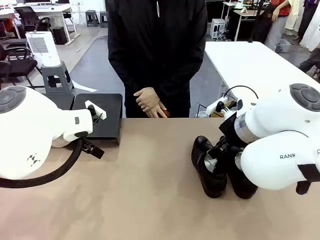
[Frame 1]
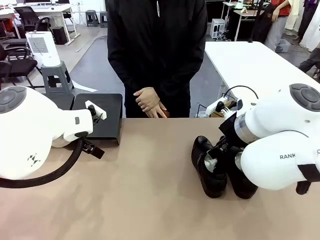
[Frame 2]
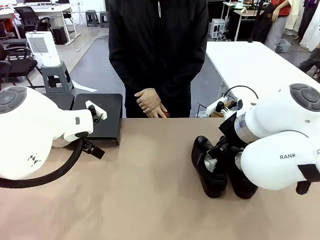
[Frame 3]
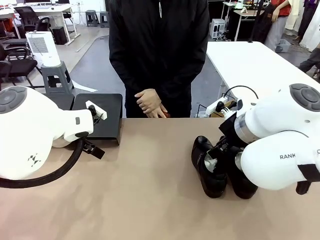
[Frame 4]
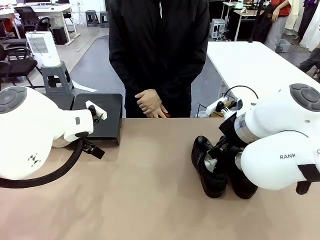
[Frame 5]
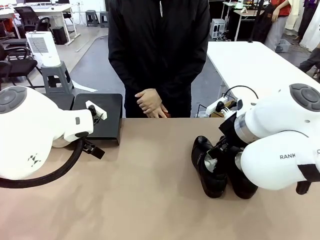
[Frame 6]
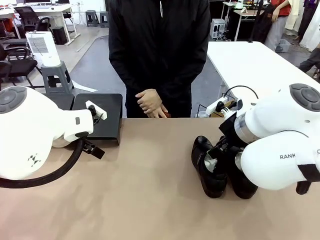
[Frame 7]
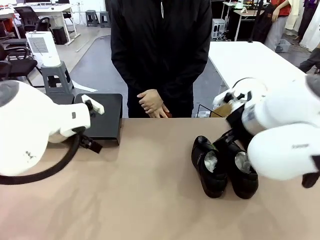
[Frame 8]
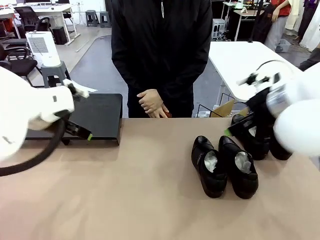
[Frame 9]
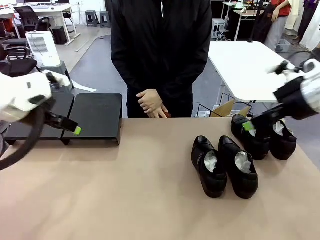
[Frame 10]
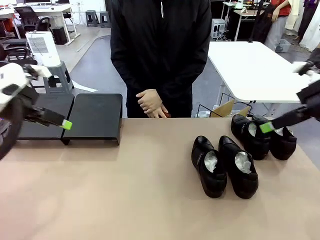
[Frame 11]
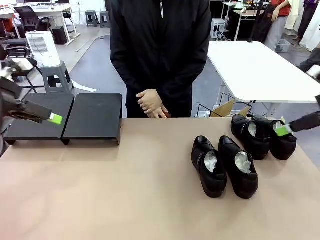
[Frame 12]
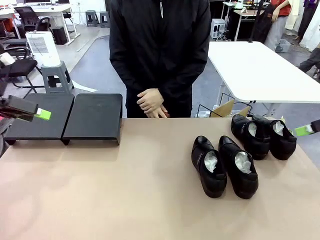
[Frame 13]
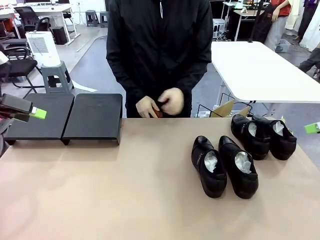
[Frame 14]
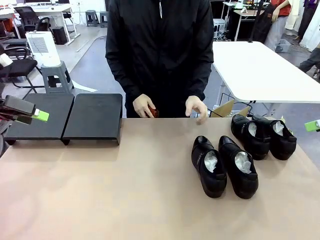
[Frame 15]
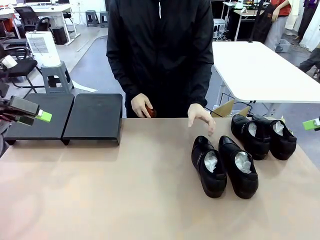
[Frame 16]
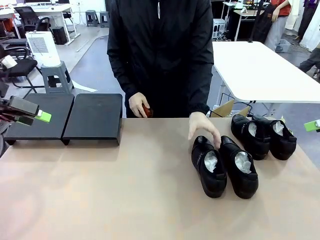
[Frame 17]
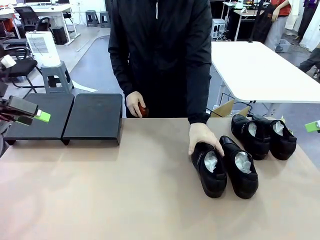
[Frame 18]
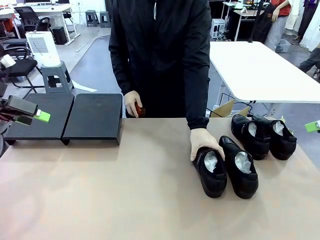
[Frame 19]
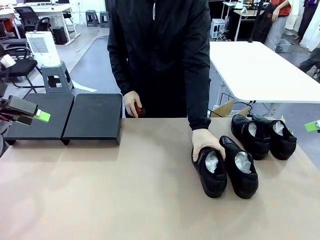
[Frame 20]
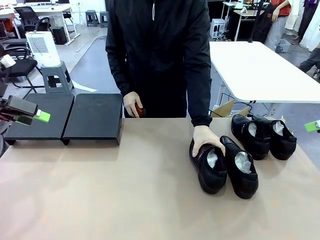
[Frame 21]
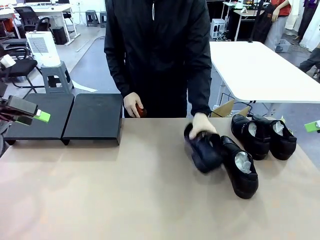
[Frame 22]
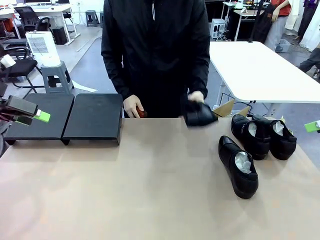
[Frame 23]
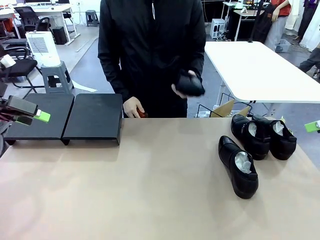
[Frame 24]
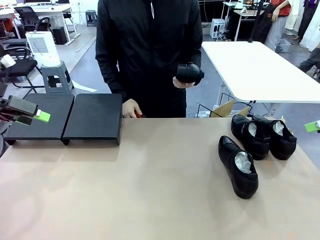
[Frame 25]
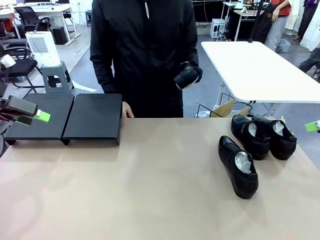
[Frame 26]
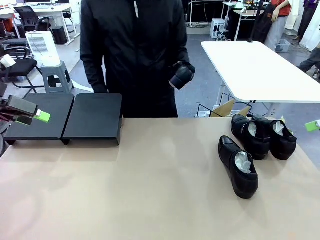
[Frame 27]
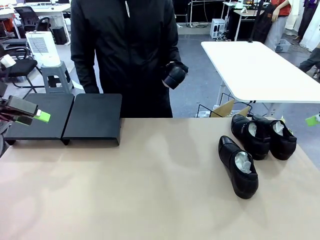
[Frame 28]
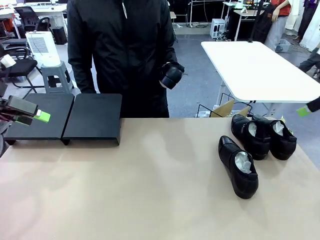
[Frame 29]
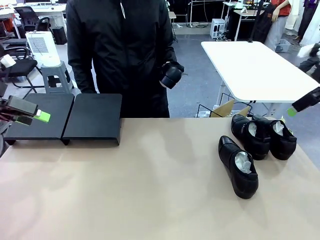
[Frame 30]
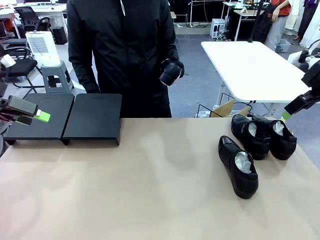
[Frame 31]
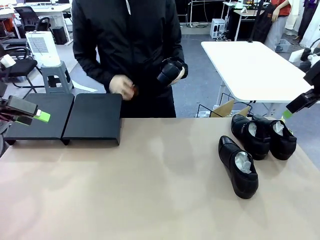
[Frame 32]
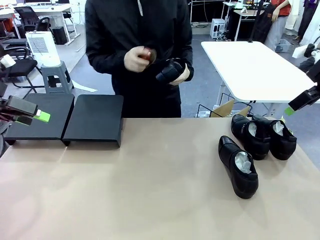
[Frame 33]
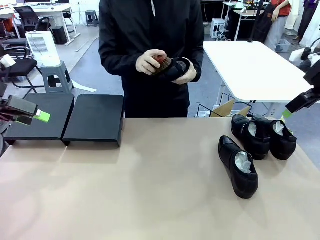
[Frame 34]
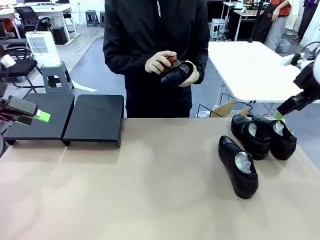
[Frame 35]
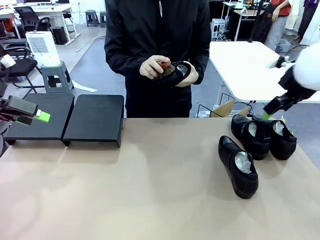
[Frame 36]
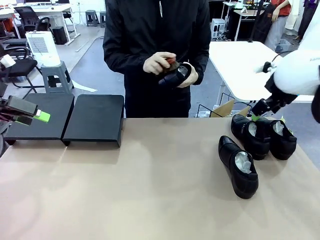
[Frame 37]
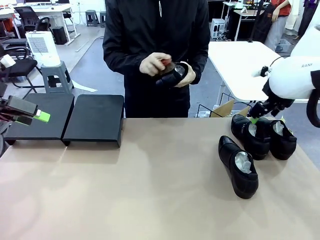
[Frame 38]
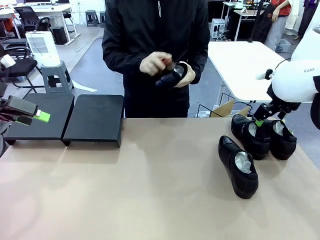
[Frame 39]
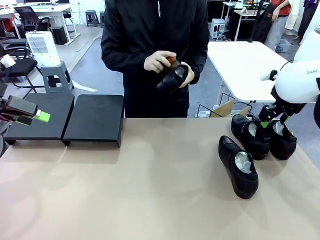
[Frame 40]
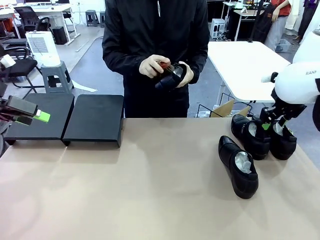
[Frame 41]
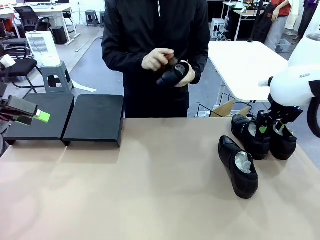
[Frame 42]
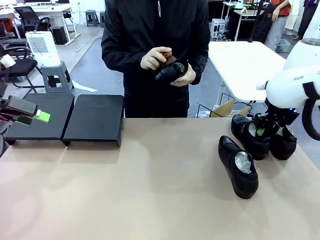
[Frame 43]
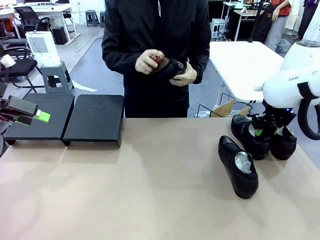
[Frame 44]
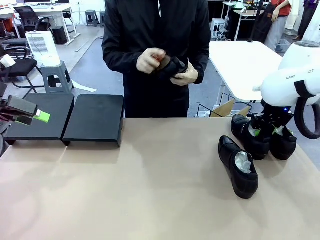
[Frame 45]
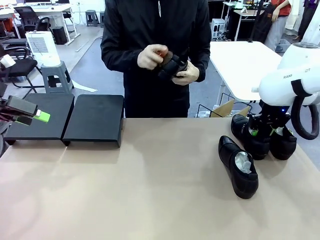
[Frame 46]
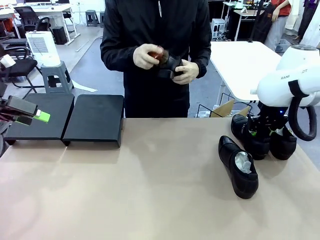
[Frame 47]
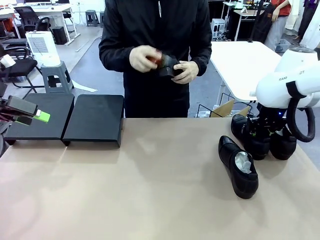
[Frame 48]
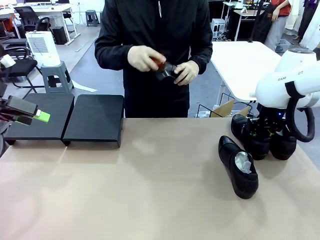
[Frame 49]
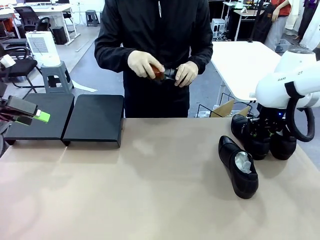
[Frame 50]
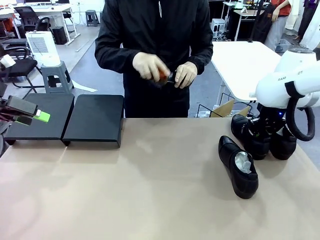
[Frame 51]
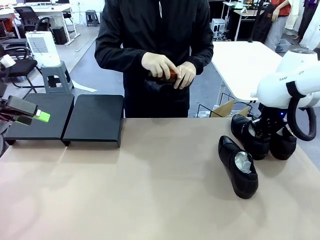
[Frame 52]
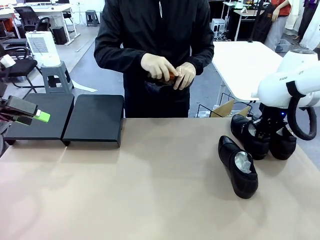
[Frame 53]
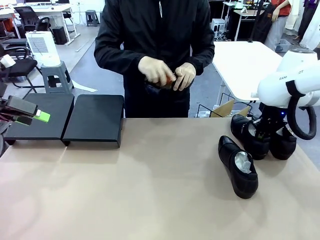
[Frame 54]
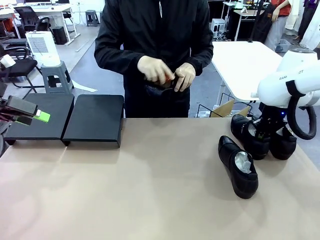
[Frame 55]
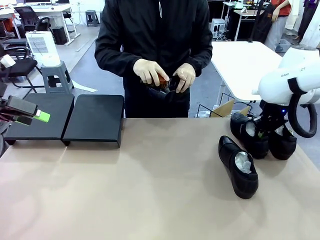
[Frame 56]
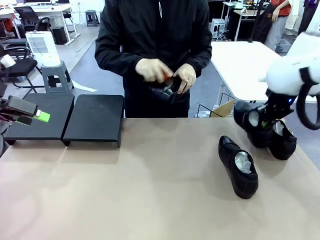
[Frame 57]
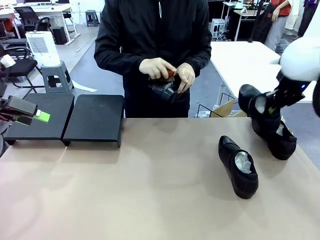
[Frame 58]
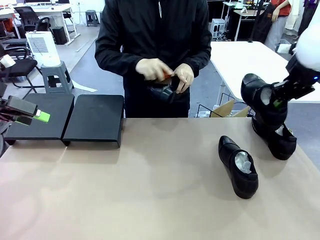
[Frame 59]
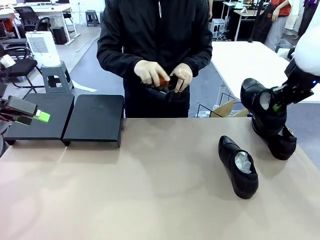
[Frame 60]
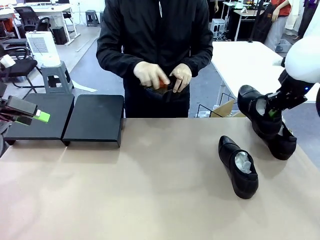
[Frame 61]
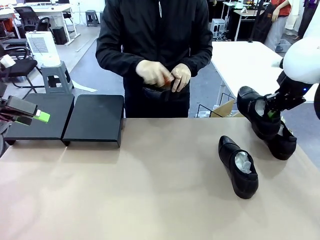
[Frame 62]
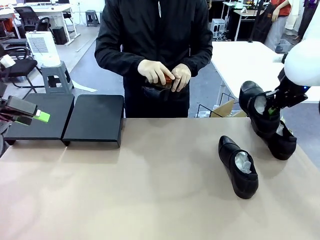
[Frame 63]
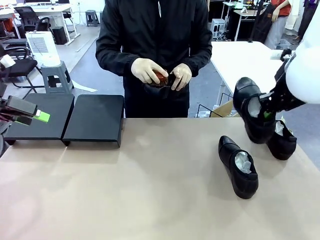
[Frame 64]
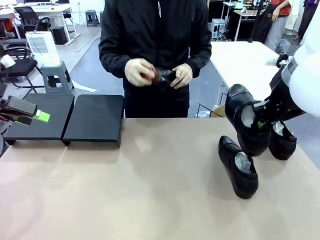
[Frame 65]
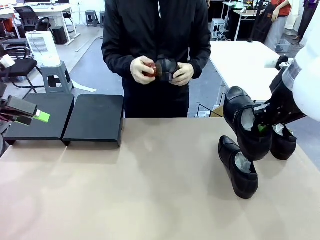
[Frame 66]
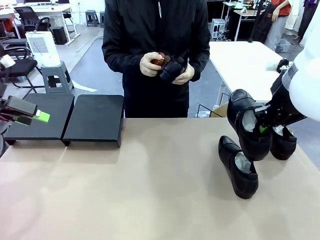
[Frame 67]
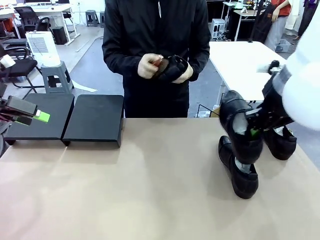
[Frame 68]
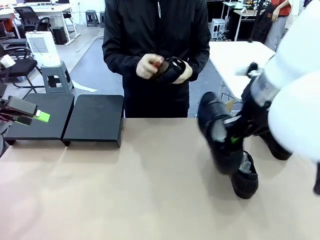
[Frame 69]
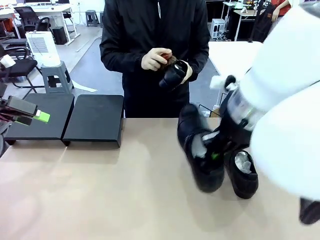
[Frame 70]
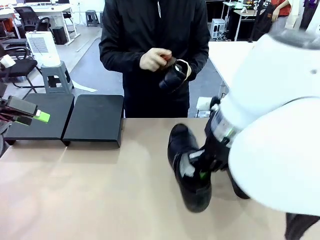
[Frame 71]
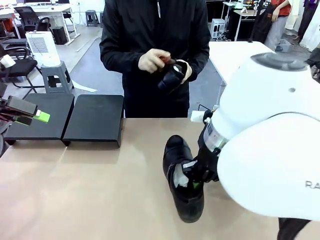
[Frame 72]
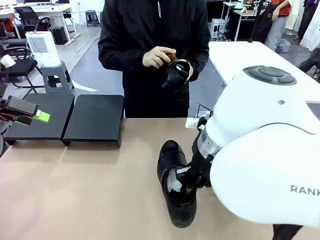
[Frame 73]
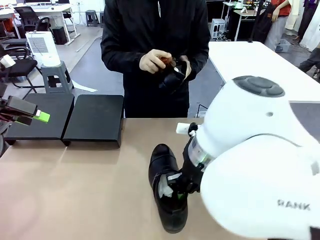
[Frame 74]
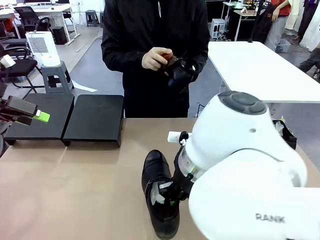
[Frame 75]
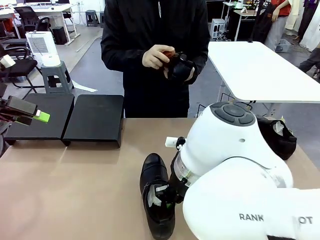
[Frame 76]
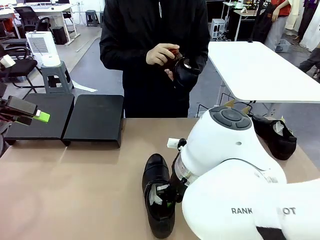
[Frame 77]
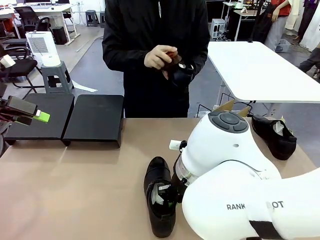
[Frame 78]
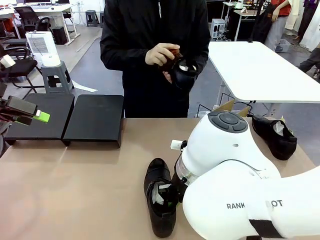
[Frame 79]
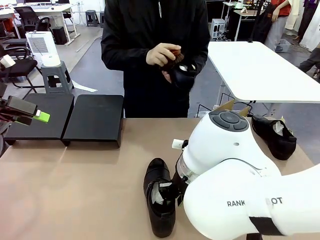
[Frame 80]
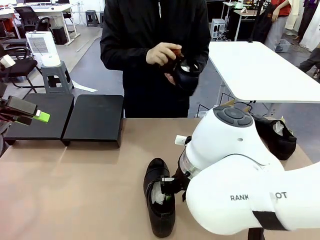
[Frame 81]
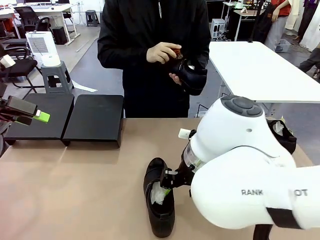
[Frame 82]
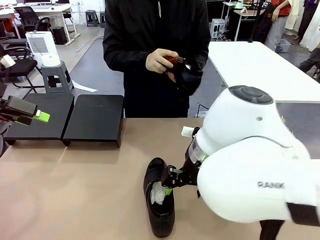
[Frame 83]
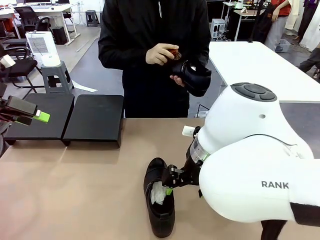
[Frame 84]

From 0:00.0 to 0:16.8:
Task: Organize the shoes by placing them on the stand.
Robot: Pick up one Shoe and place it in the middle of the table.
Person: Pick one Shoe on Robot's table. Clean the Shoe with the Shoe Brush.
